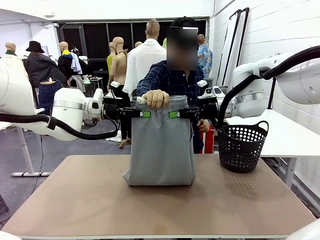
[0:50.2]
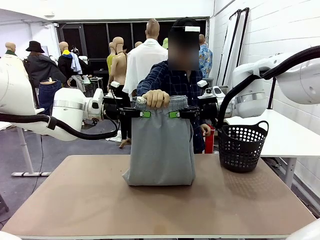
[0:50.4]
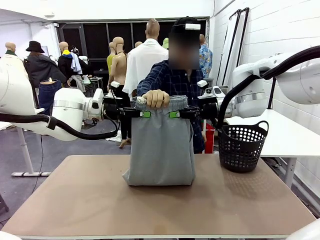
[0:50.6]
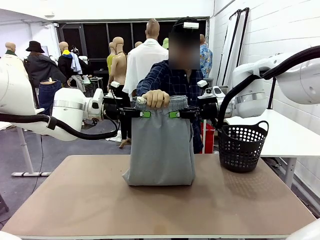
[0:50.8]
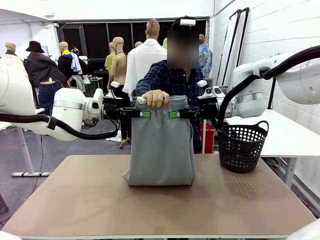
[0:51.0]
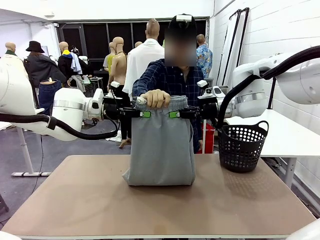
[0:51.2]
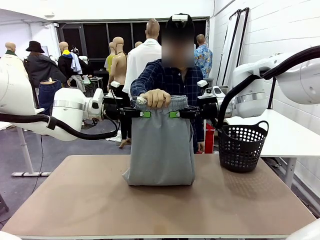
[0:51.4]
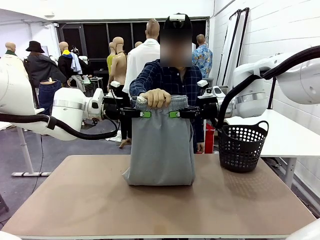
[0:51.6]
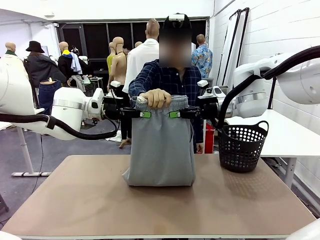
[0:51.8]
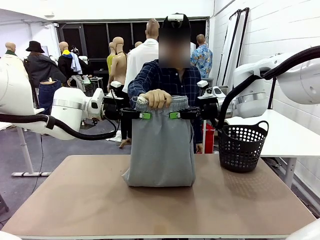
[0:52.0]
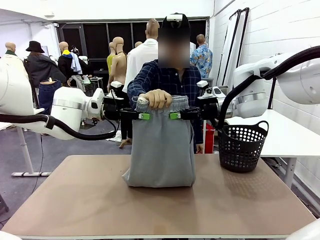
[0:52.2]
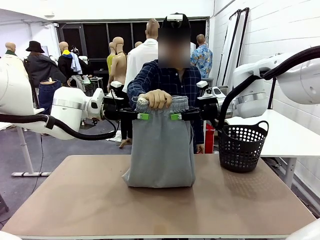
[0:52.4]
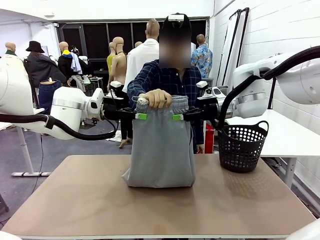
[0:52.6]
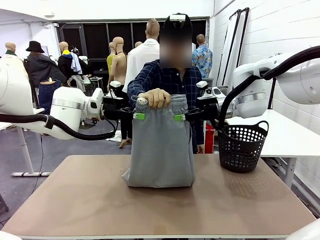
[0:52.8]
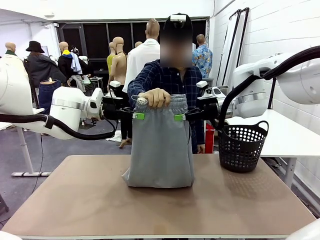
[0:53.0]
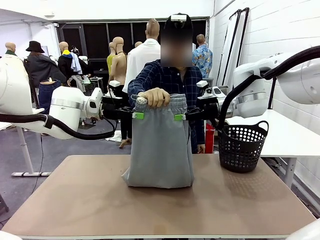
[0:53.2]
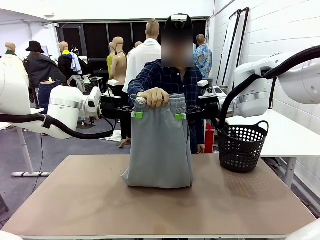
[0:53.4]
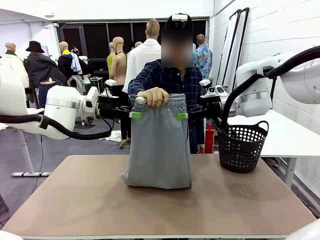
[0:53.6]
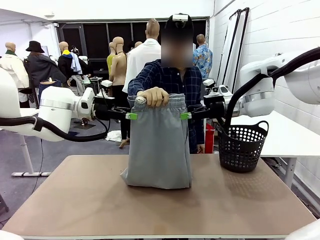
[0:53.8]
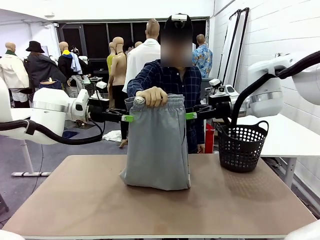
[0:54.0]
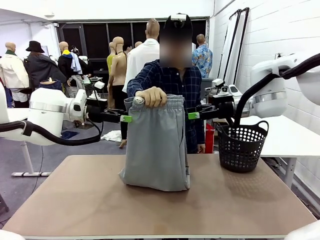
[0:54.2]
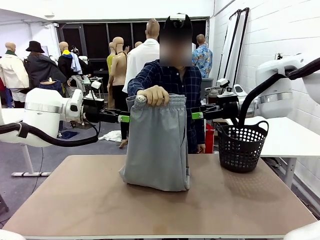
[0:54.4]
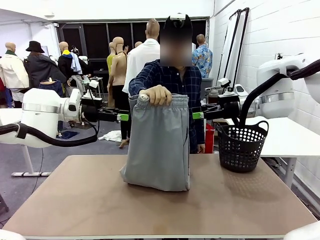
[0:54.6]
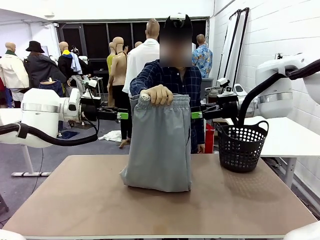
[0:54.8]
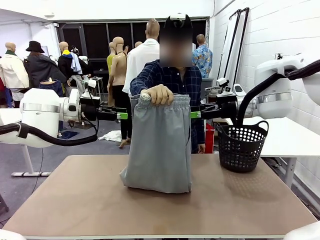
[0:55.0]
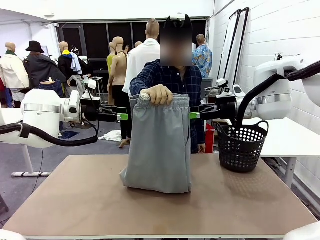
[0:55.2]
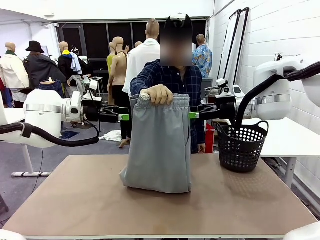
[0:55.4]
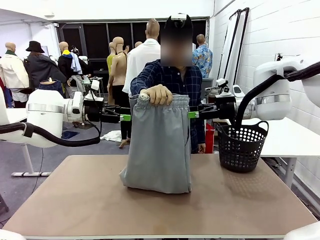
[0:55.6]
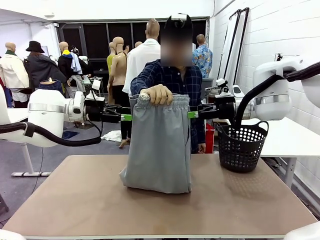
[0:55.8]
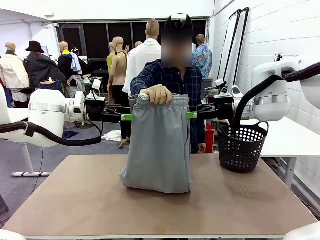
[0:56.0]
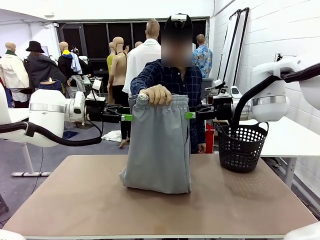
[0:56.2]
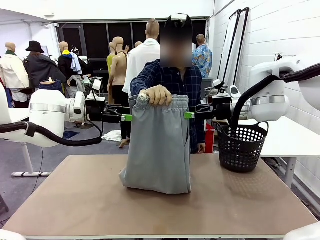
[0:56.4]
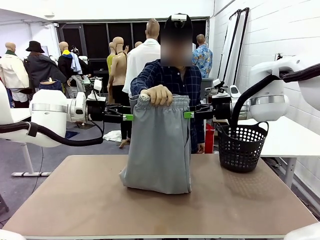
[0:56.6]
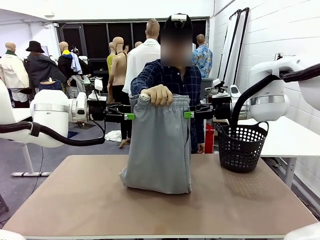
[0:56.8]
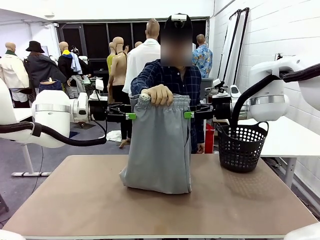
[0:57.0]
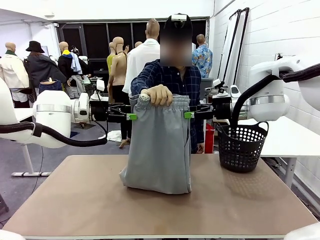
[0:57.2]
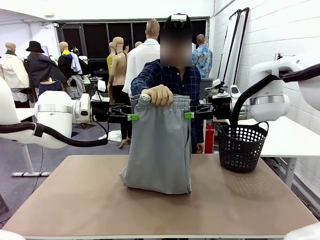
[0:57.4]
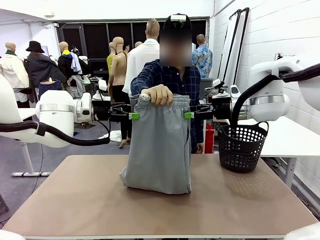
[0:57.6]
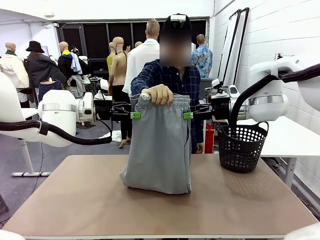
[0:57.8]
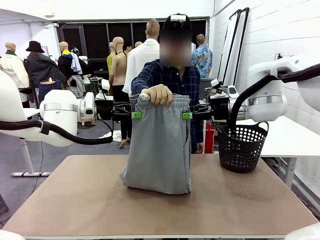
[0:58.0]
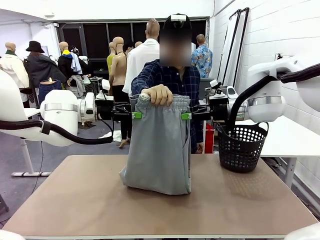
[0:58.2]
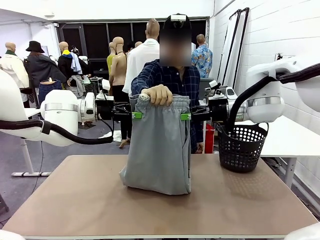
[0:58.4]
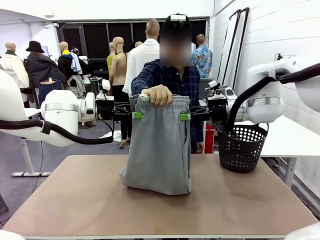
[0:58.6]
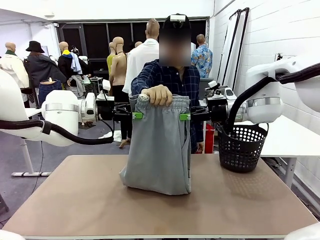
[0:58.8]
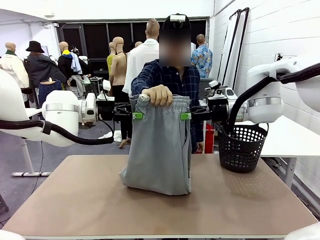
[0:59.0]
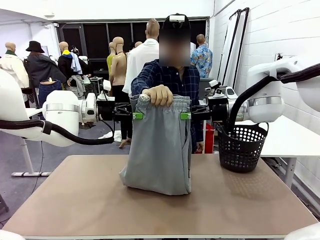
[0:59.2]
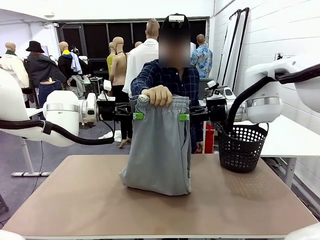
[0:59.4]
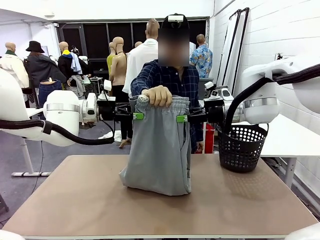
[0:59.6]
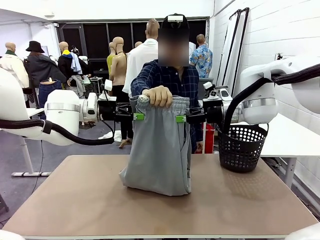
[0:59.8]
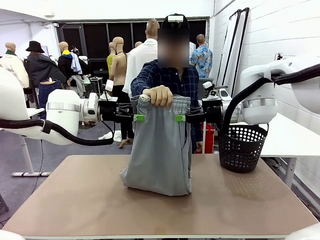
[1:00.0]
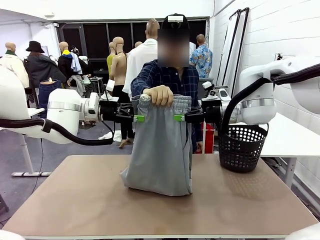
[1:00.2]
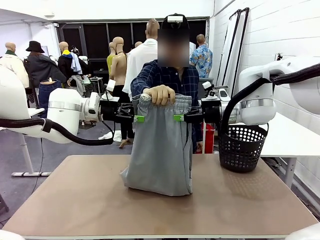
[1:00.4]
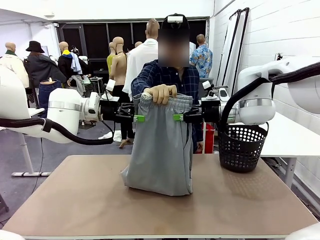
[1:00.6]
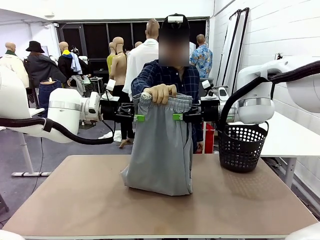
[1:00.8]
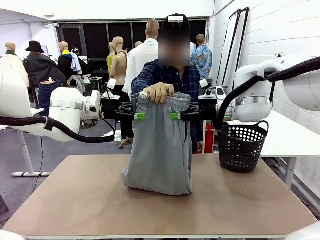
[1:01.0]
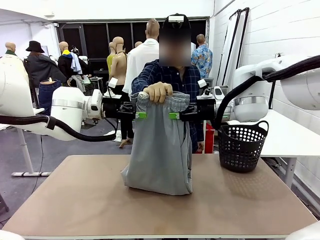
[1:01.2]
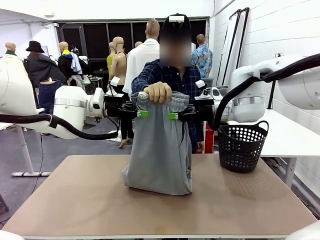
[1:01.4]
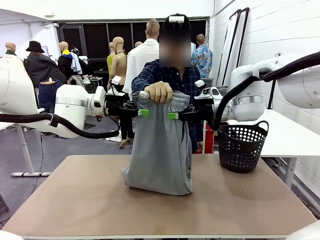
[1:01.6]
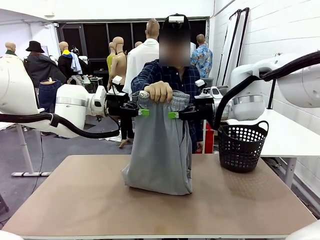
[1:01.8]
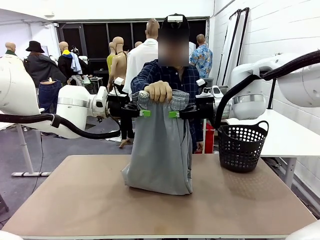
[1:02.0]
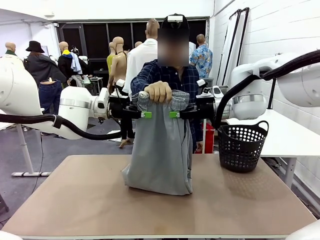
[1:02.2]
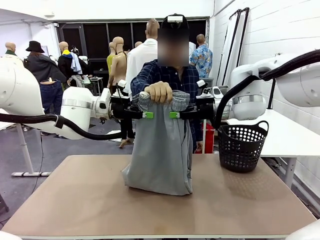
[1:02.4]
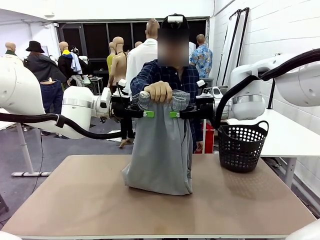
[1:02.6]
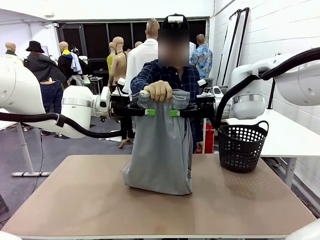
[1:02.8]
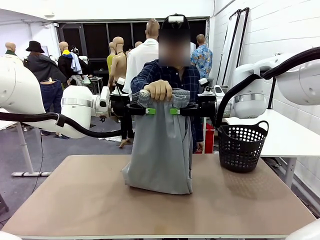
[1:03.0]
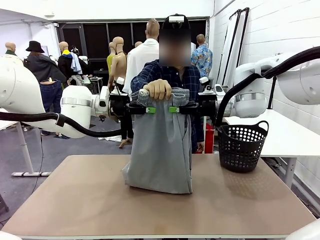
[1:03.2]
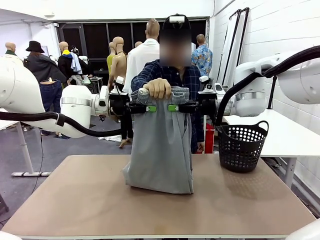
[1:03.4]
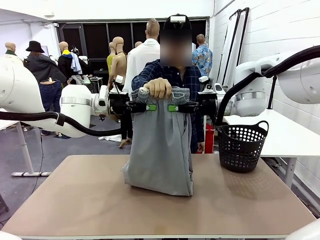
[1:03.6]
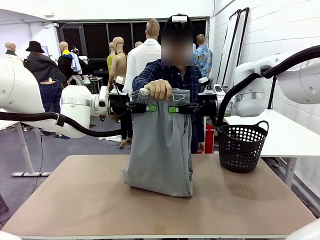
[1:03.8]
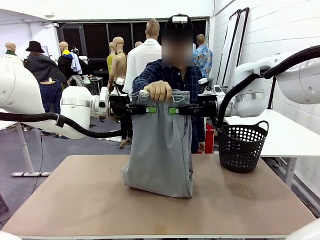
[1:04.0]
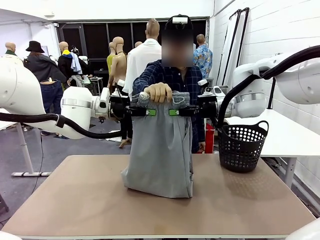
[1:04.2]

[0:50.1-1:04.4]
Task: Fold the training pants.
Robot: Release the ends of the Training pants and then grab the overlapped ends.
Person: Release the pants you were holding.
